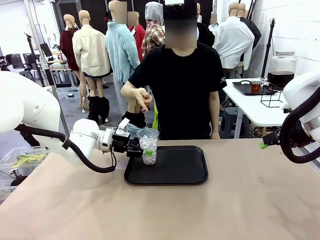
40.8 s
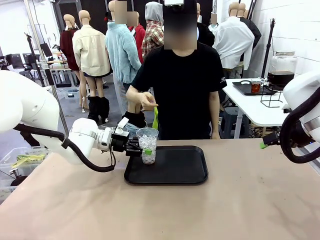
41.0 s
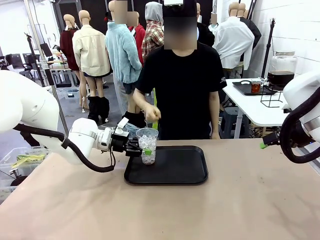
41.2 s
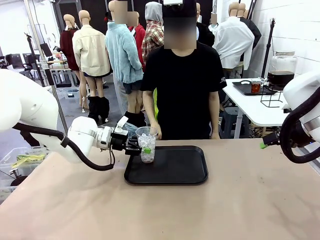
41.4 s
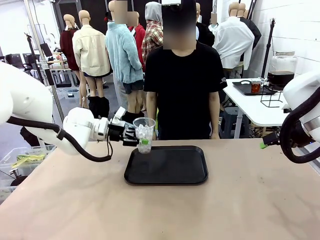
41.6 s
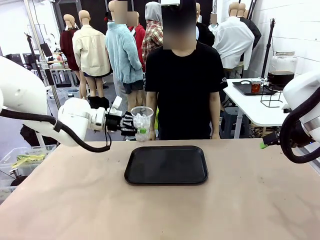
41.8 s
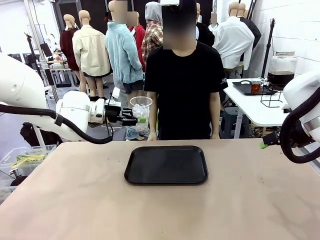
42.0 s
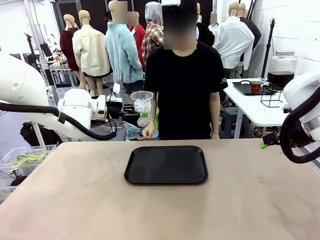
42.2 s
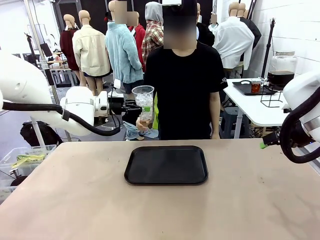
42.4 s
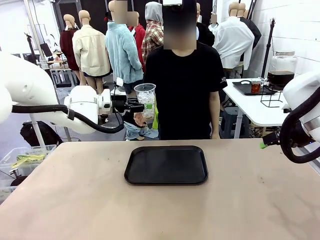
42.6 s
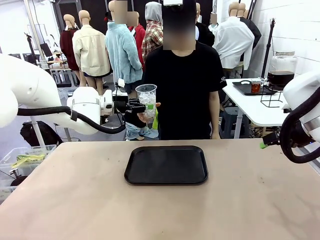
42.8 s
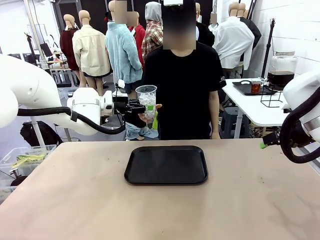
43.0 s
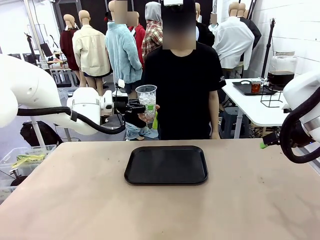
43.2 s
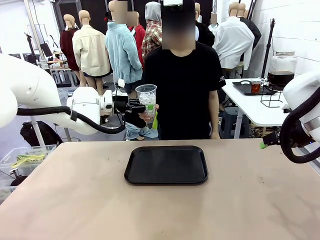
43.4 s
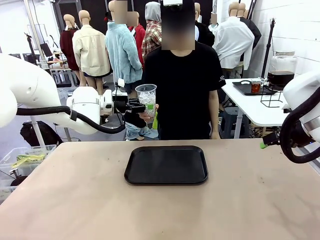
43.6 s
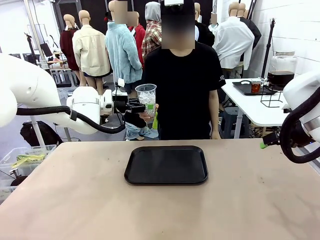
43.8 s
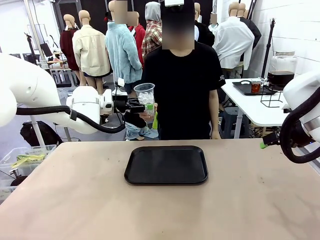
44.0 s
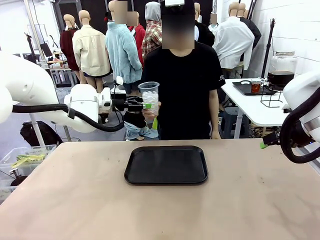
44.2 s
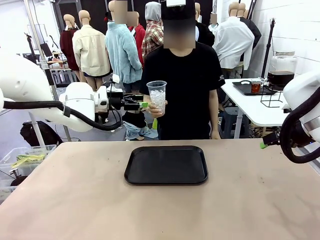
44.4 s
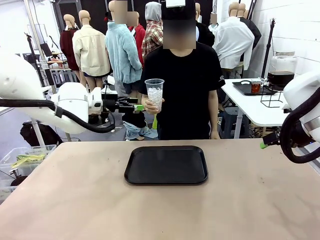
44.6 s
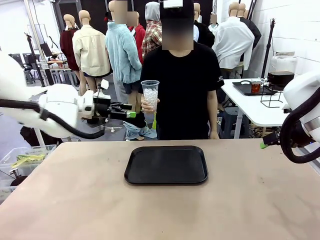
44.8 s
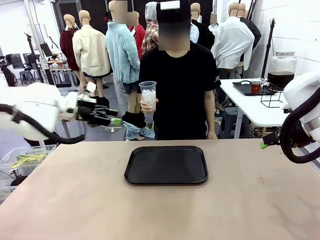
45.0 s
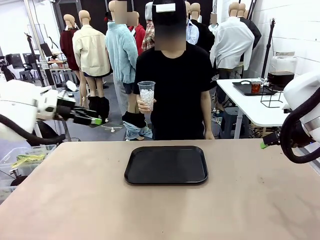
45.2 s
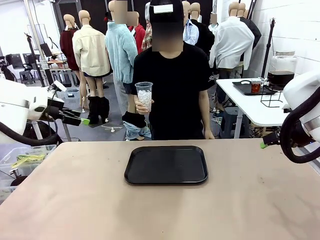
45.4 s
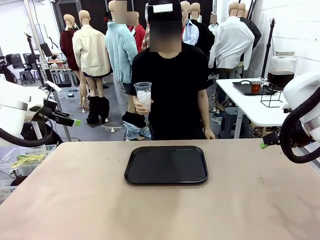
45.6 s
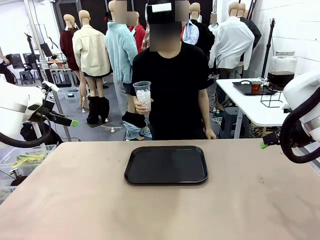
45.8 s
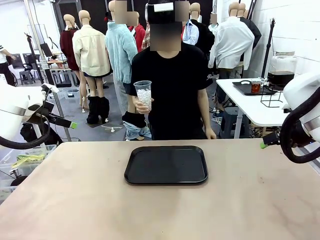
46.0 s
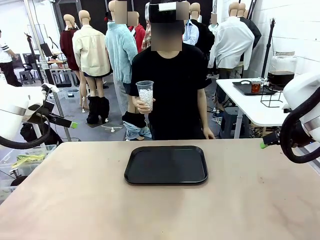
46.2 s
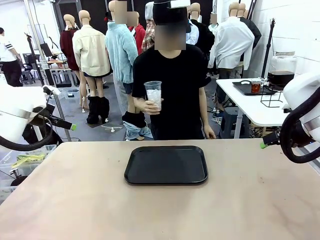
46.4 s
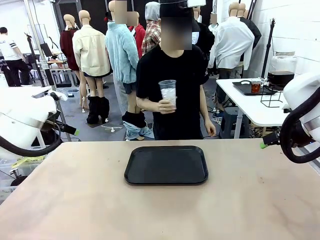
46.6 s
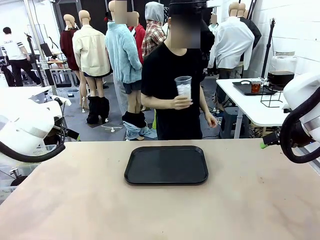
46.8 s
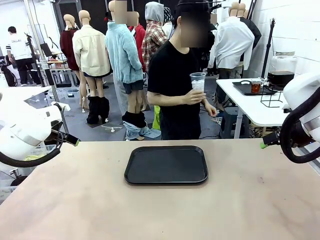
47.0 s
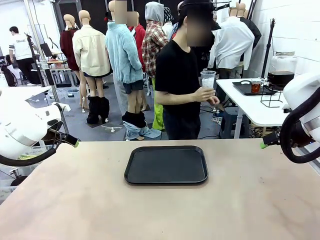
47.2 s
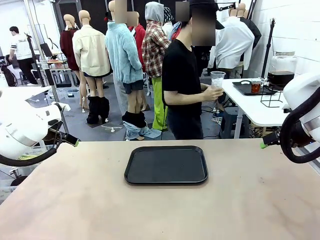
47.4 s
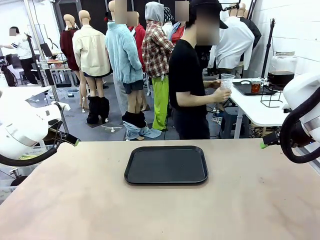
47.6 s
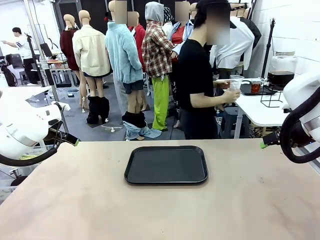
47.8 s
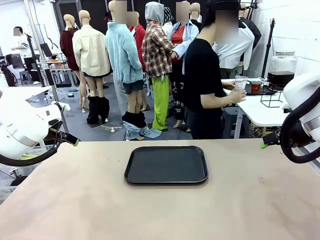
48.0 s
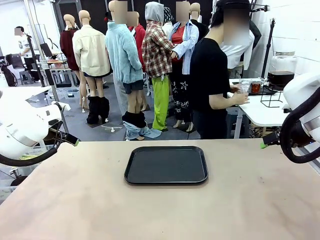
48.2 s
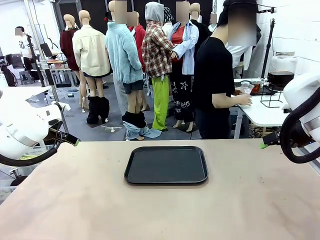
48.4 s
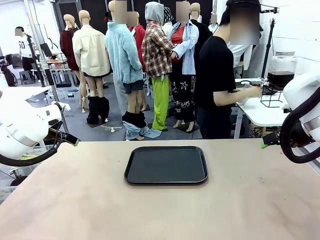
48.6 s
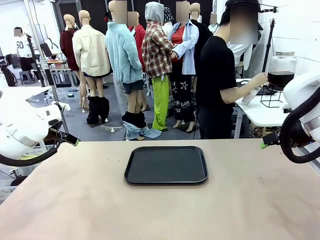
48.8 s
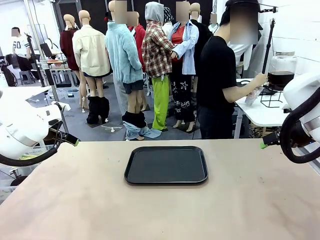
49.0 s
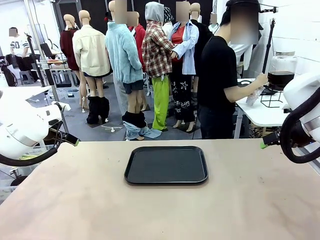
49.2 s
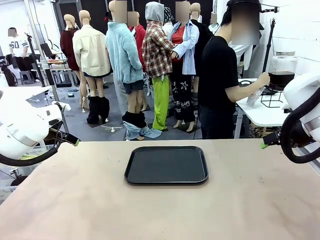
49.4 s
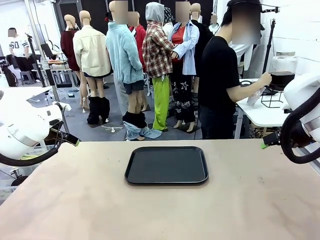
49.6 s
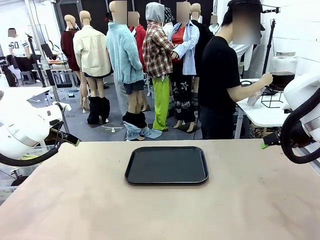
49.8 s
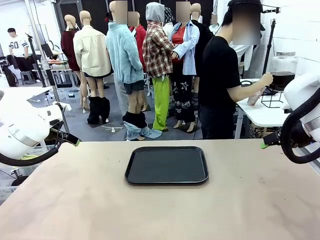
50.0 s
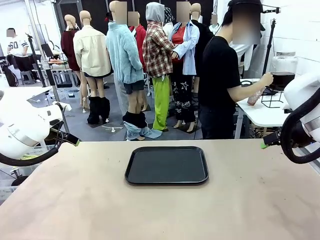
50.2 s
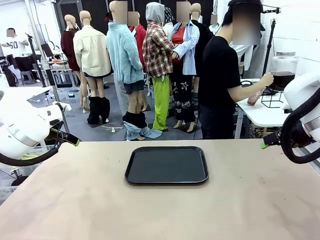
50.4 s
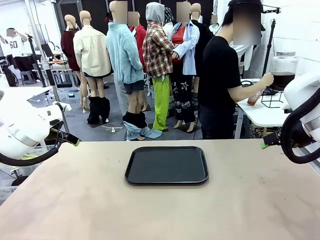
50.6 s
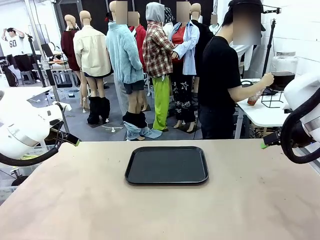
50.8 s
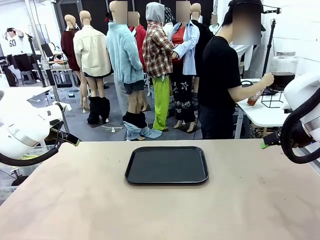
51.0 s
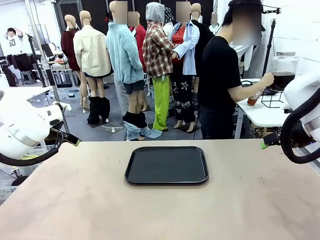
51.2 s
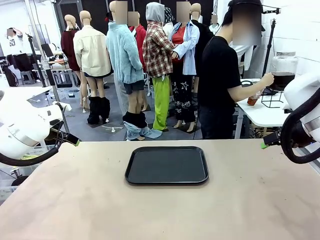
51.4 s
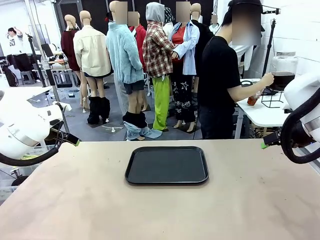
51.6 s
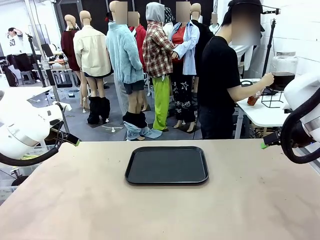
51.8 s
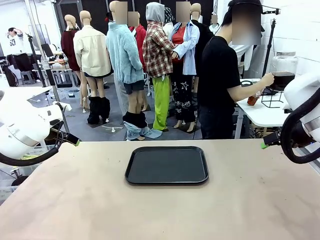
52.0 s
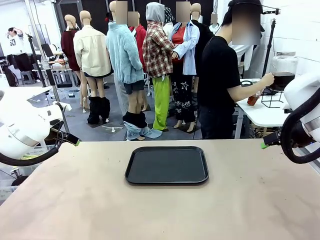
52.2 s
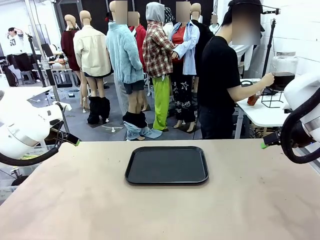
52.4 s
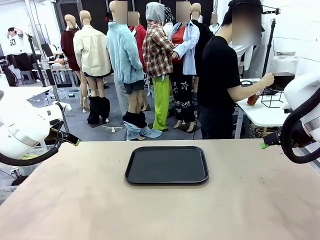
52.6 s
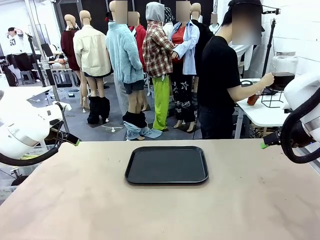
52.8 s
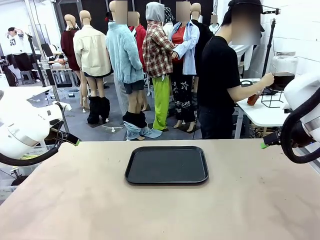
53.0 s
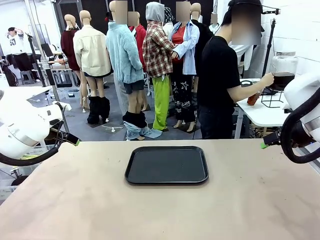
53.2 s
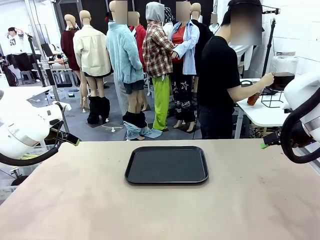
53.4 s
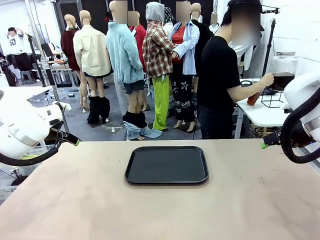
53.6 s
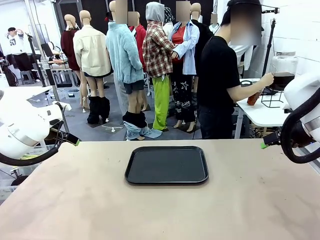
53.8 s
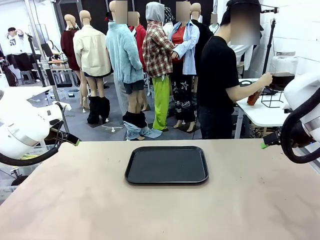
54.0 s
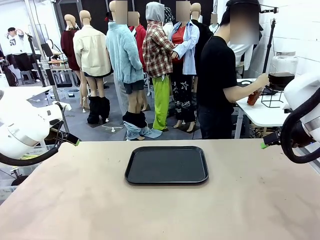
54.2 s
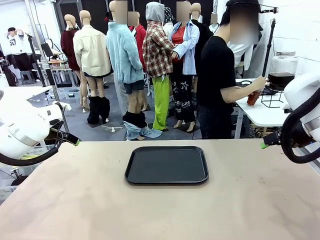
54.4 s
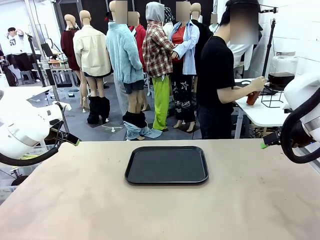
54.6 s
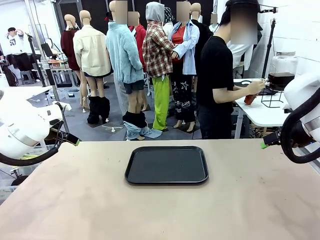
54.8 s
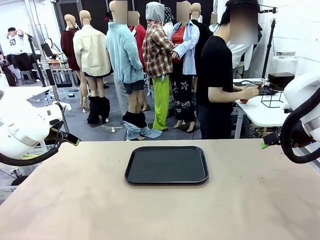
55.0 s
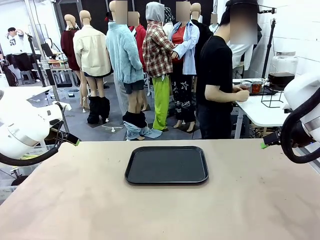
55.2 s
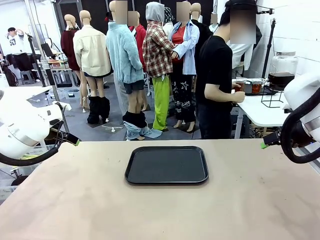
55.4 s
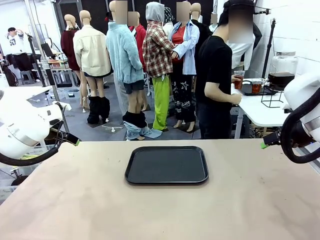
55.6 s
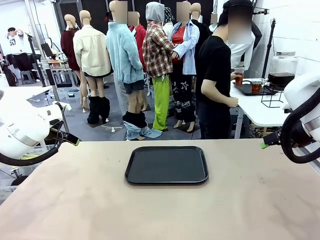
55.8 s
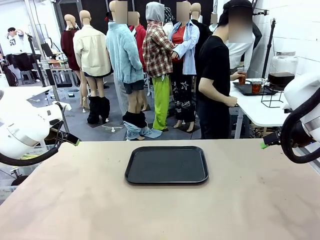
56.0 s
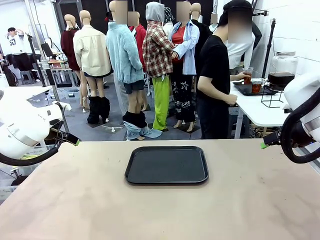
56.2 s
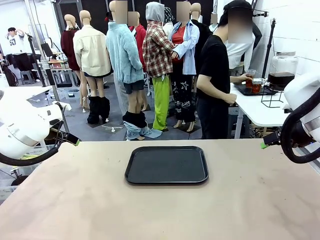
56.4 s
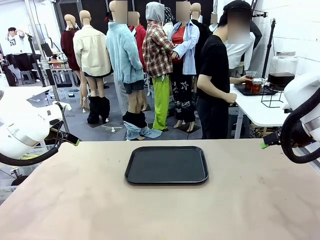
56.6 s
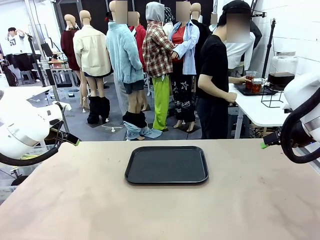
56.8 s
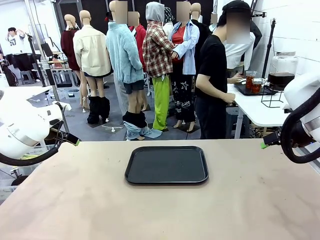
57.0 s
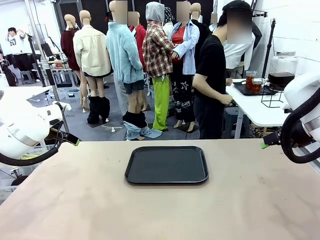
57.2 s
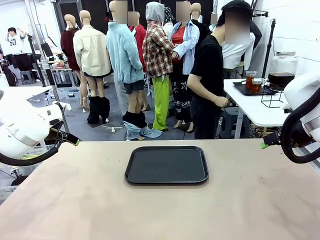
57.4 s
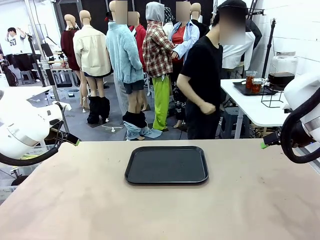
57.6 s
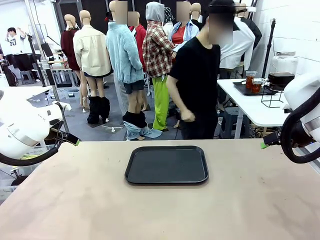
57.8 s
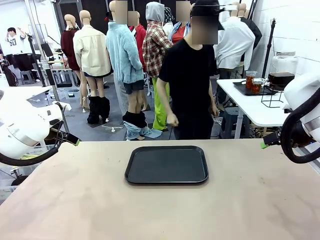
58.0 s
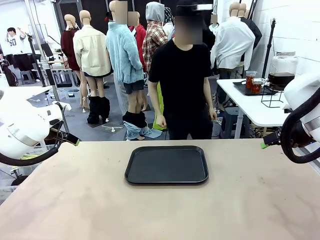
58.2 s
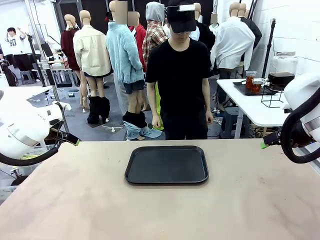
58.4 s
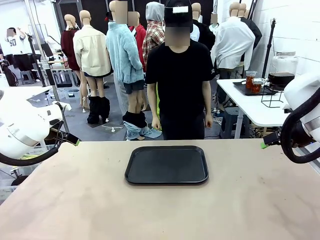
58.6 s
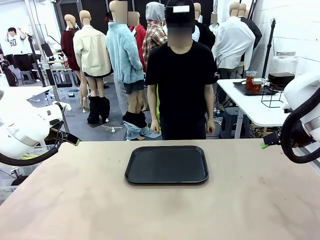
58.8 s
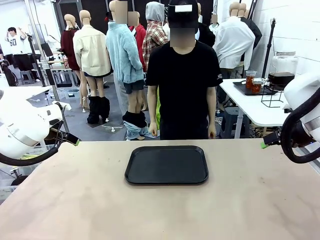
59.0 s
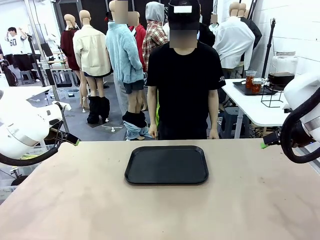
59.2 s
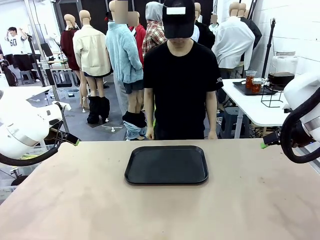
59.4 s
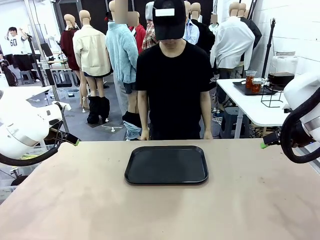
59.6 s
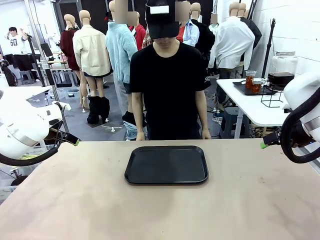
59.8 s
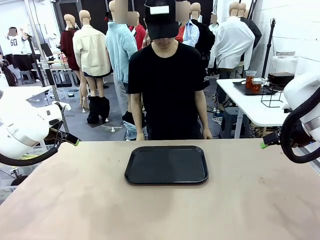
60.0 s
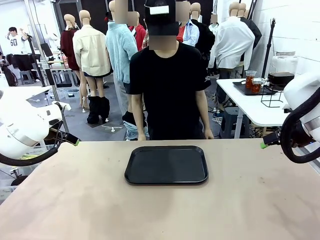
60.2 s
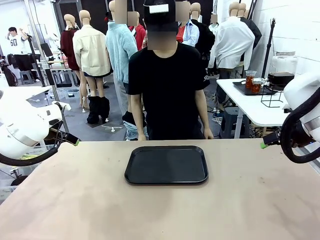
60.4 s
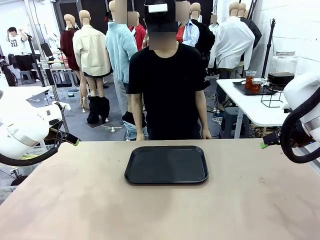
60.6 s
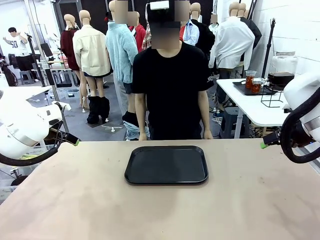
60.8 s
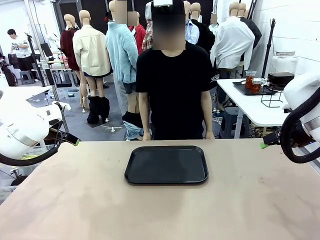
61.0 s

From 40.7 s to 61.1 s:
Task: Pour the drink into the iced cup.
Robot: Open the gripper to release the iced cup you were holding.
Person: Move the picked-up cup under the dispenser faucet, pour the drink, and place it on the tray on the human table.
